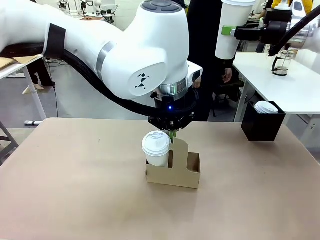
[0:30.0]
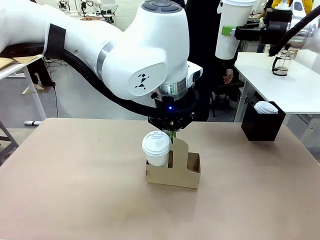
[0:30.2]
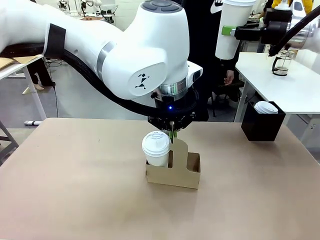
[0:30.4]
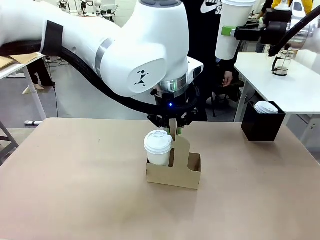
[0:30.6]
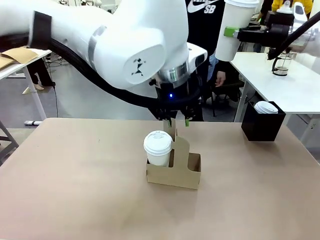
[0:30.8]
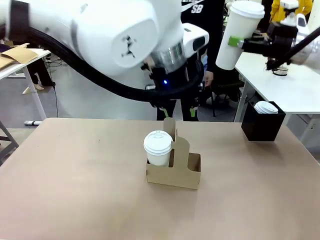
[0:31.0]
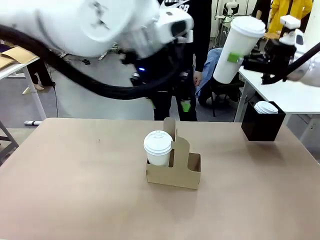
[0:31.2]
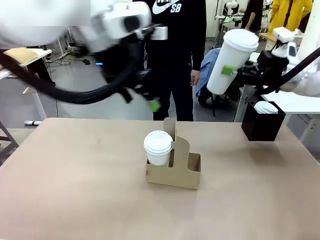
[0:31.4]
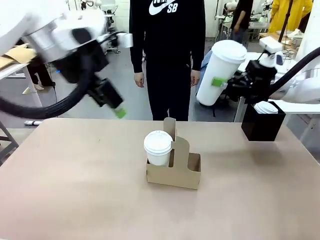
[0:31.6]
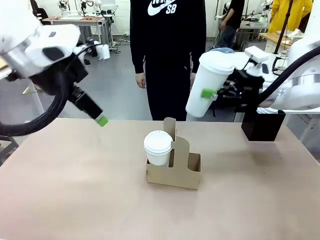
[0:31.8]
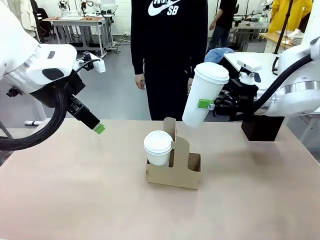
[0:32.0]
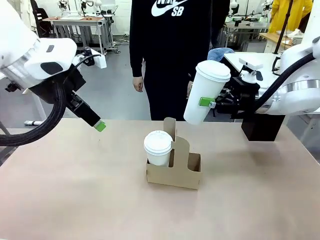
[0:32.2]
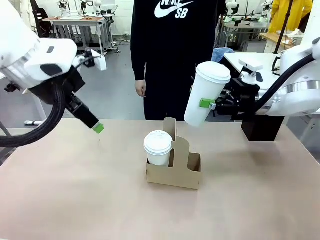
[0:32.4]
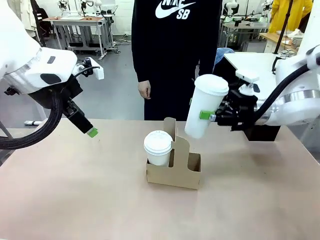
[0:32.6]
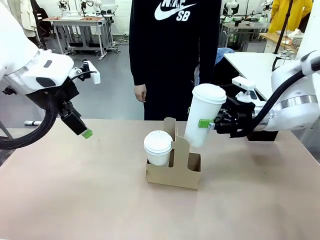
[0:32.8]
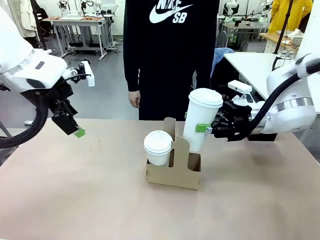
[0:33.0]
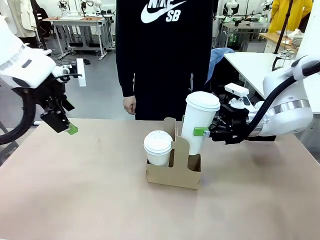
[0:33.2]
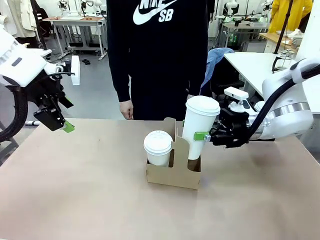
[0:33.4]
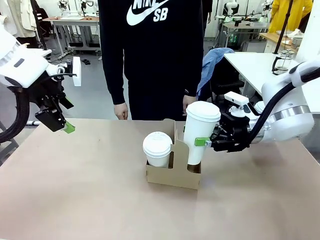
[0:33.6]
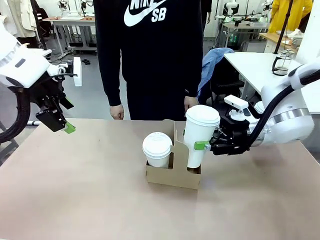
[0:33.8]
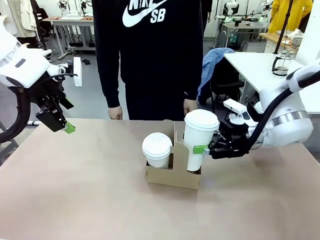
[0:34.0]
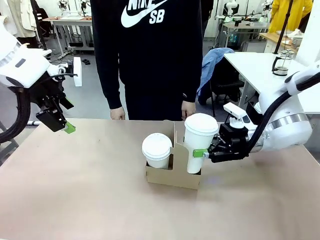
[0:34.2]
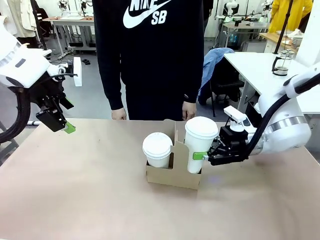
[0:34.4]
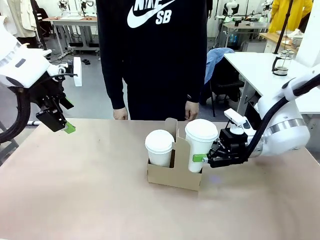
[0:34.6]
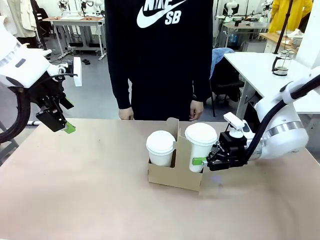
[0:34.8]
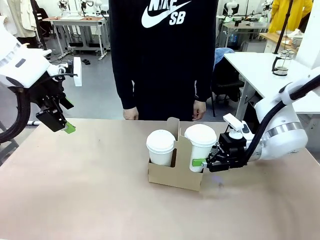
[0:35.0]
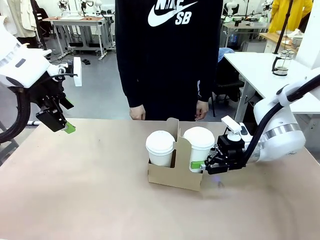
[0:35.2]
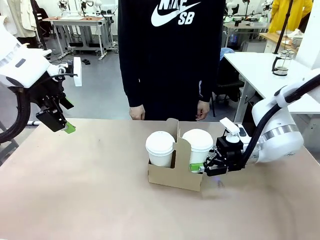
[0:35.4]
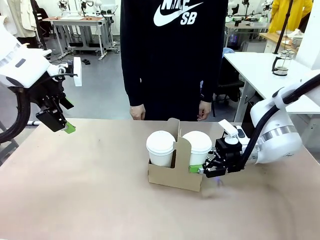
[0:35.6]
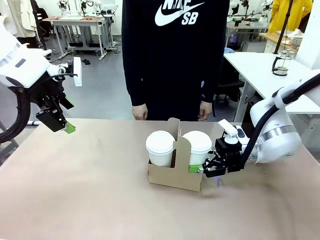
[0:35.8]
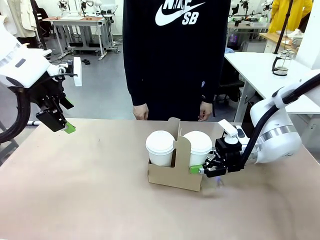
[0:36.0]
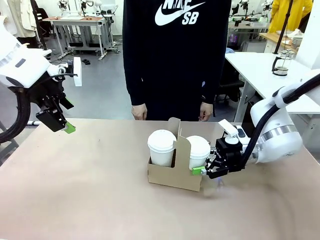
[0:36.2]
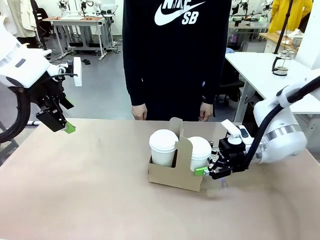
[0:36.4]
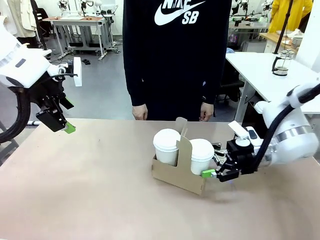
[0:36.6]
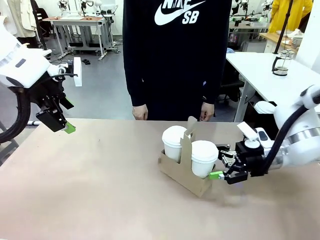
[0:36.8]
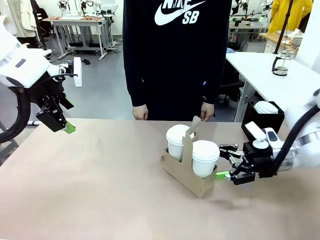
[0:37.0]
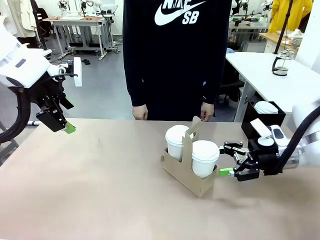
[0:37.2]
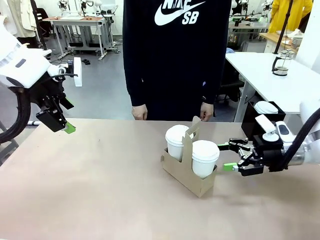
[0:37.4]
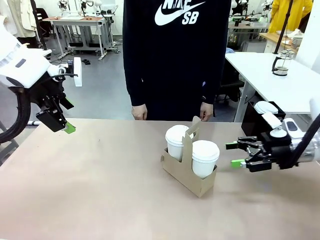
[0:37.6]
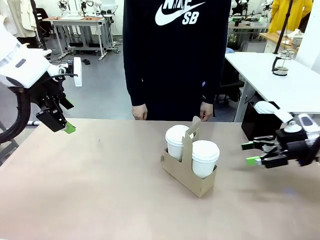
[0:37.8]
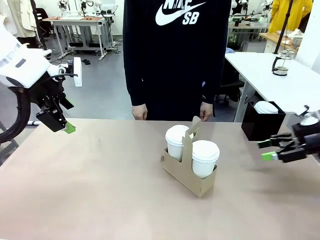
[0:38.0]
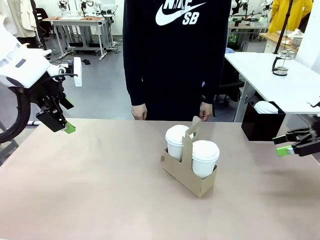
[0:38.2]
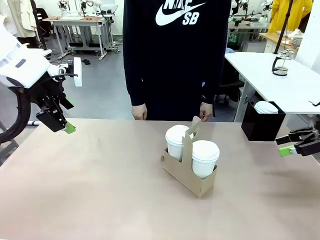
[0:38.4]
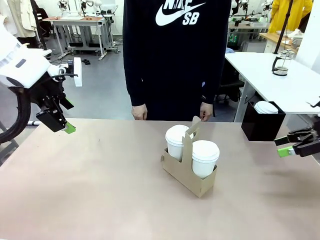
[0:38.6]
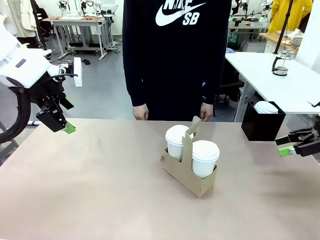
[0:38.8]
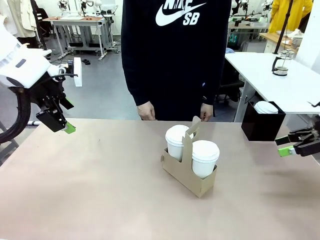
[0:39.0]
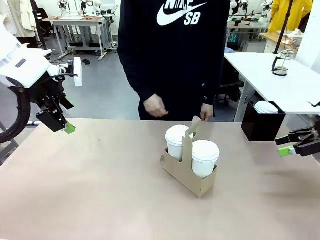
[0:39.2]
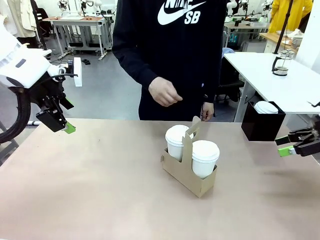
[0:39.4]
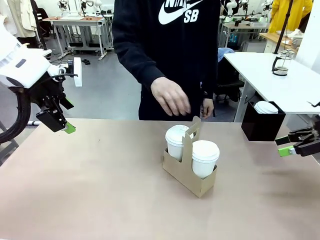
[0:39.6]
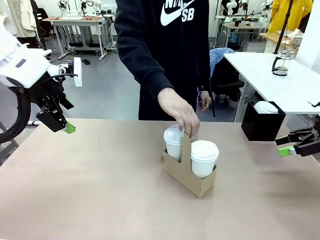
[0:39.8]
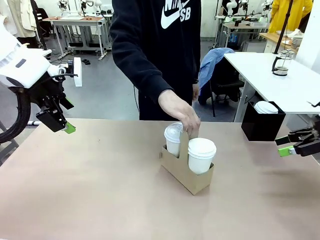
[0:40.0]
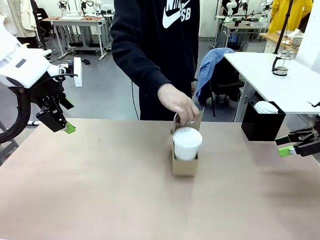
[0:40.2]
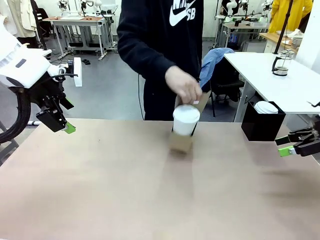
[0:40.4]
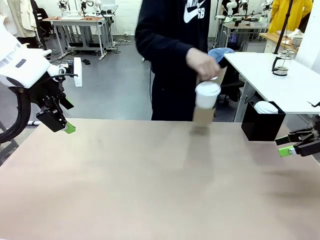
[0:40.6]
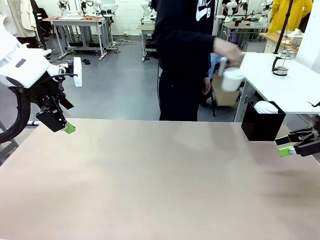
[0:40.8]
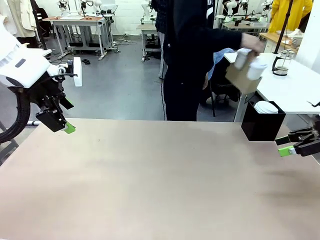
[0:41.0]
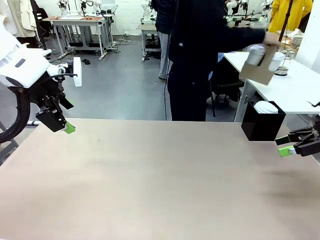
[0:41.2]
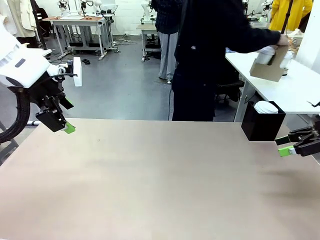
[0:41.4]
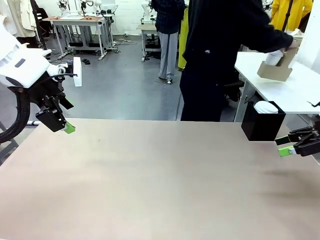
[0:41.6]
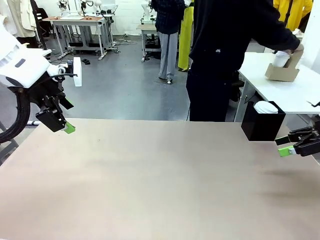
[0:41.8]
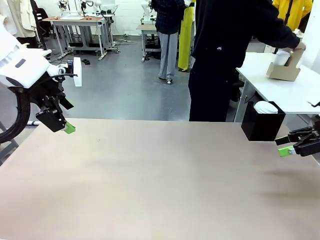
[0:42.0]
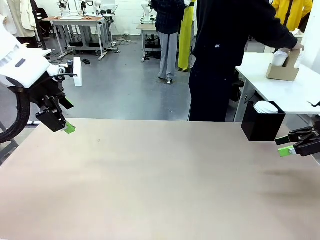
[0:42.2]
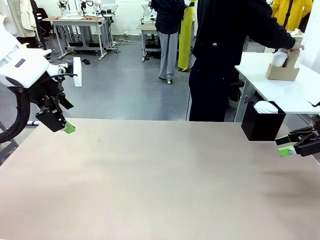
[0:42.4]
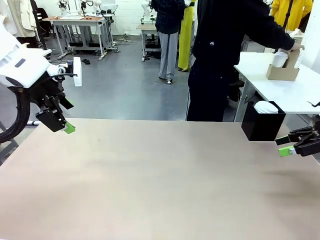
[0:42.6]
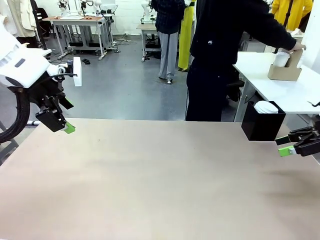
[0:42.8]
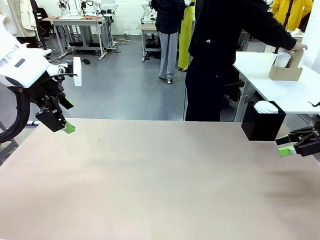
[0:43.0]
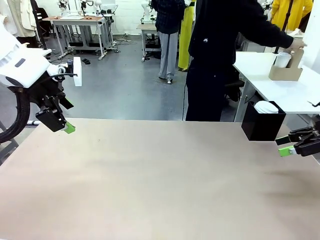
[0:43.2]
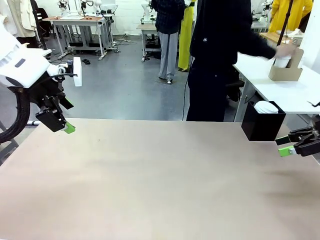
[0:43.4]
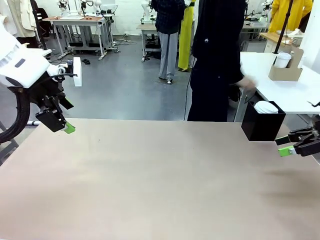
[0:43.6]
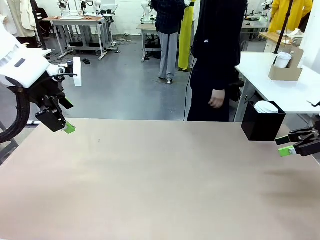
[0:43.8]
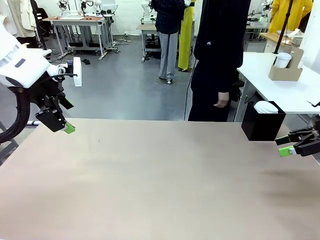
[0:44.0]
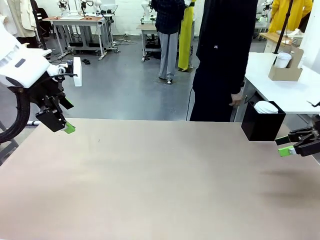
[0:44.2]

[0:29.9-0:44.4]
Task: Pour a drink into a cup and package it in a carrier.
Robot: Insert the held 600 ml Paper Cup into the Cup Carrier.
Person: Place the Cup Carrier to the middle of Human table.
